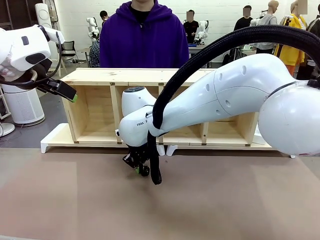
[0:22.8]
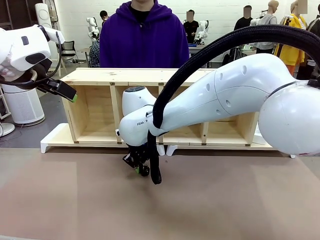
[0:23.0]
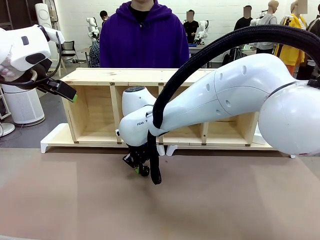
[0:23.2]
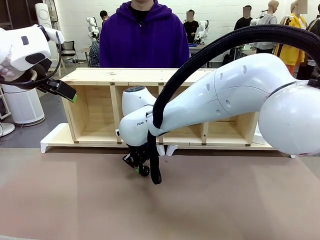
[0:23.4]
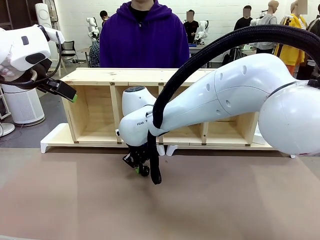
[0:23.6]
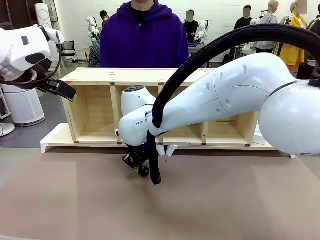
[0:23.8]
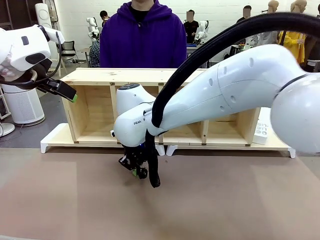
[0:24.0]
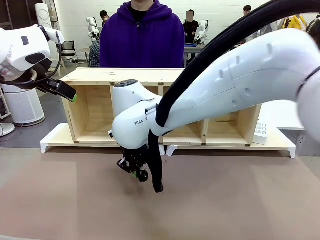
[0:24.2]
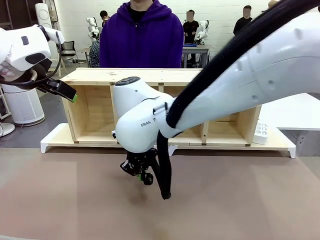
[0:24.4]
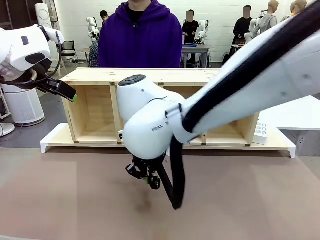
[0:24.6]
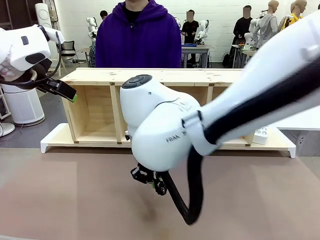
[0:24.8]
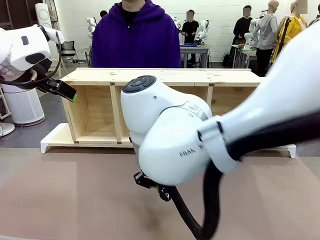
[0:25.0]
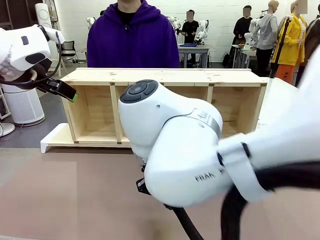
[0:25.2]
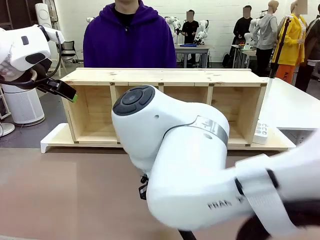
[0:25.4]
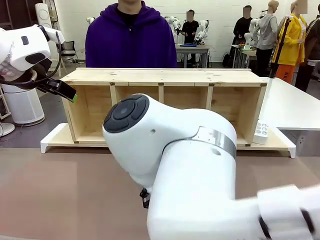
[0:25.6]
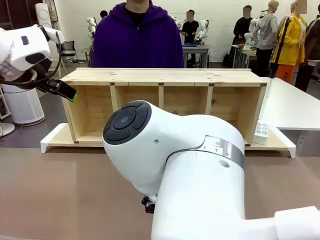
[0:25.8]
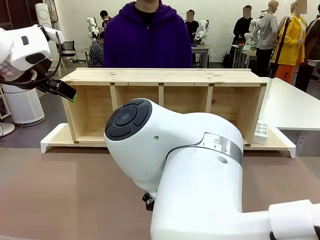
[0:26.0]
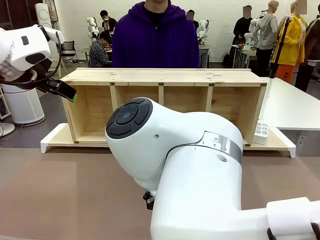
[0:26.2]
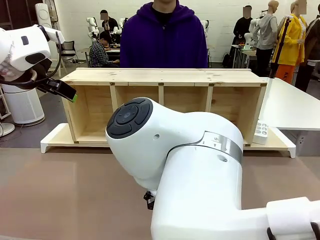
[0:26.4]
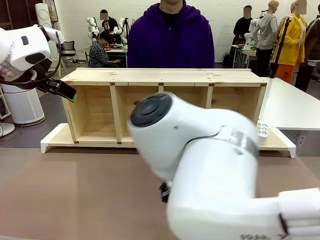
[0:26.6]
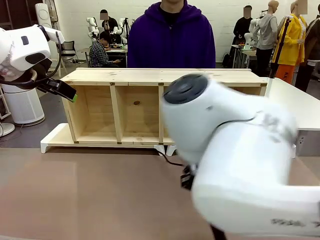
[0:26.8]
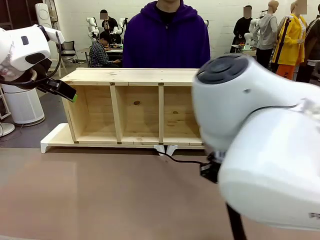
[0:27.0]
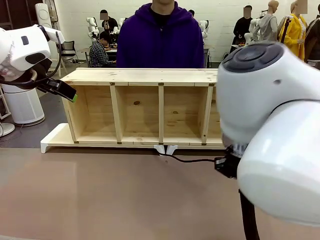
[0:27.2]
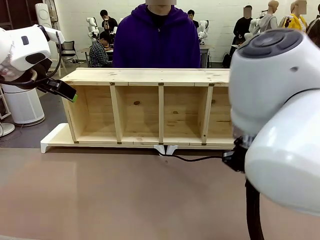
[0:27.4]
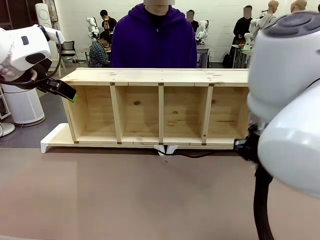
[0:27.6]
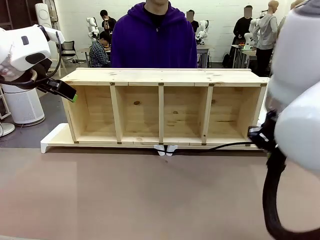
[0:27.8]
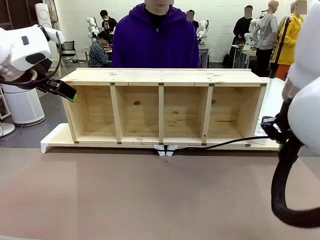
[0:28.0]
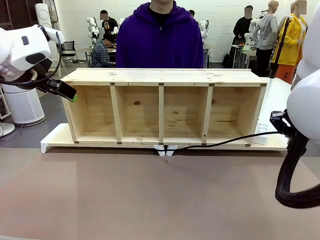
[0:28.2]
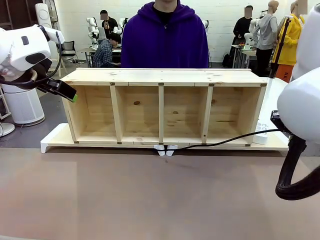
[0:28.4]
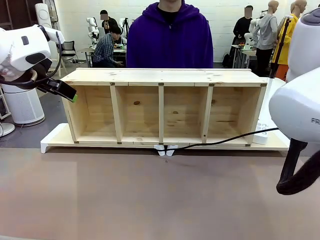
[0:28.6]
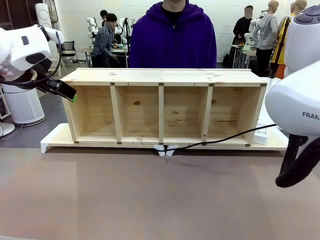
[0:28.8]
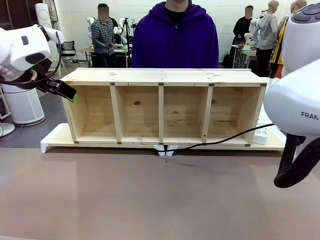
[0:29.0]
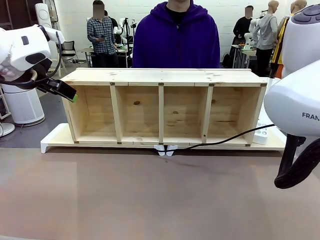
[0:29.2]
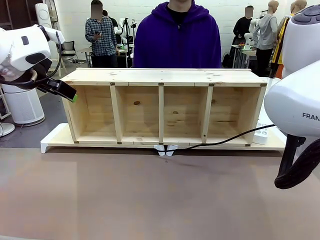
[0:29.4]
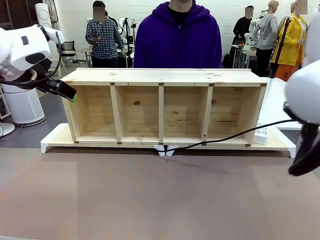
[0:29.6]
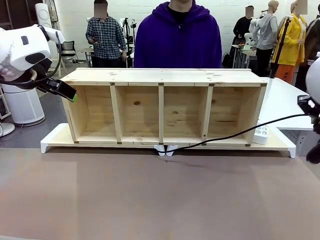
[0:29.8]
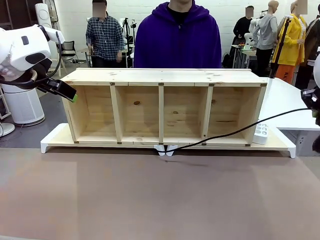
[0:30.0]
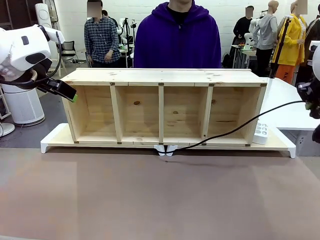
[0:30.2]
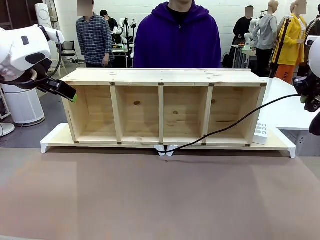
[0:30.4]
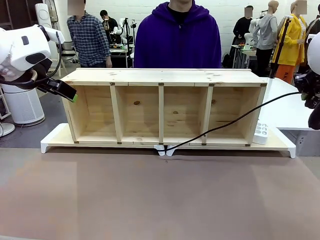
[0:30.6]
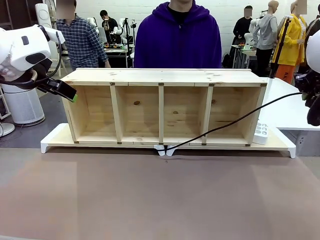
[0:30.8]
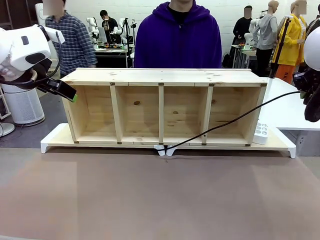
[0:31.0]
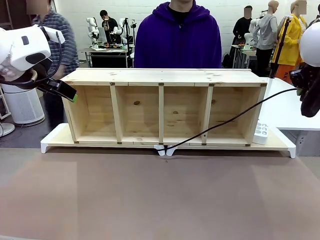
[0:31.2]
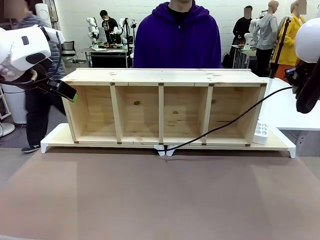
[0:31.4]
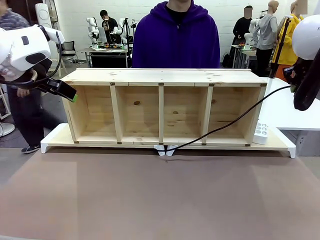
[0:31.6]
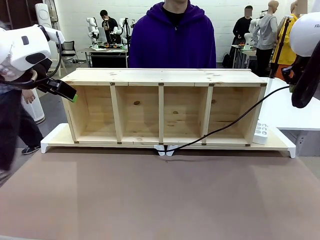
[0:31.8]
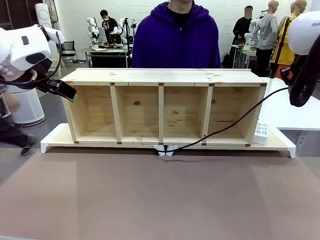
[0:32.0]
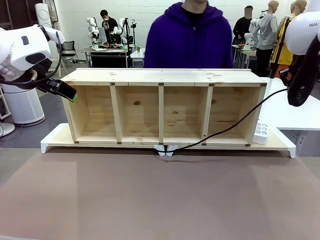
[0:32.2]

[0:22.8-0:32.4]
Task: Perform cable management.
Robot: Pull the grasped Power Cable to the location of the Power Strip.

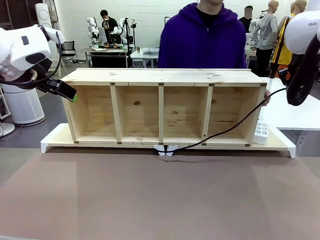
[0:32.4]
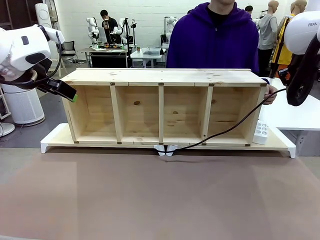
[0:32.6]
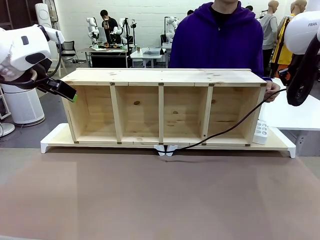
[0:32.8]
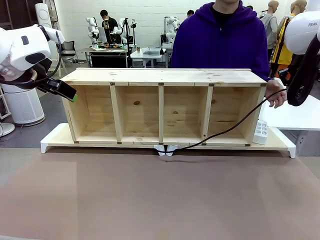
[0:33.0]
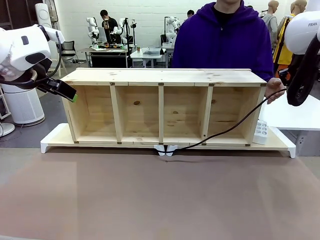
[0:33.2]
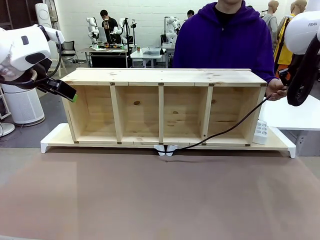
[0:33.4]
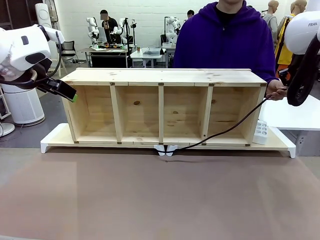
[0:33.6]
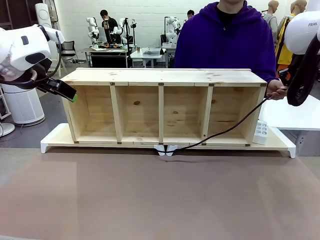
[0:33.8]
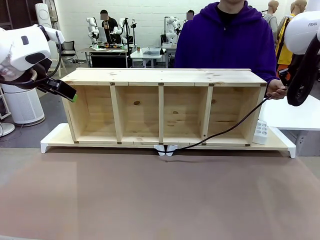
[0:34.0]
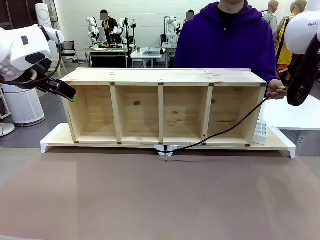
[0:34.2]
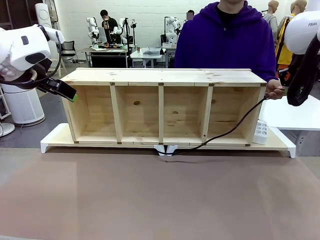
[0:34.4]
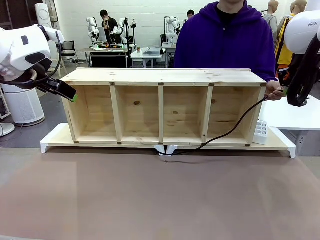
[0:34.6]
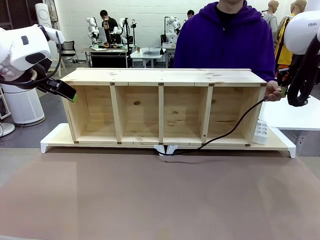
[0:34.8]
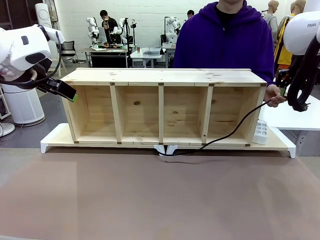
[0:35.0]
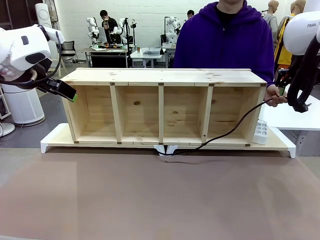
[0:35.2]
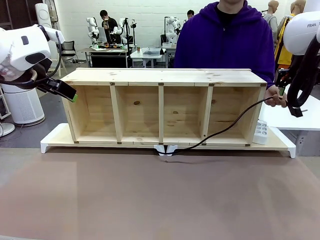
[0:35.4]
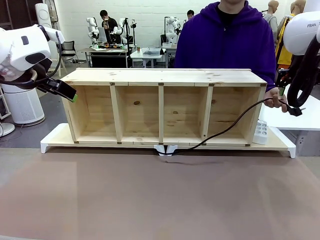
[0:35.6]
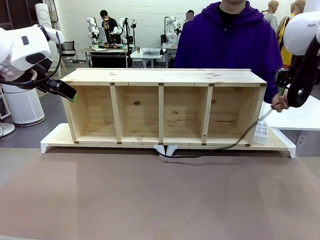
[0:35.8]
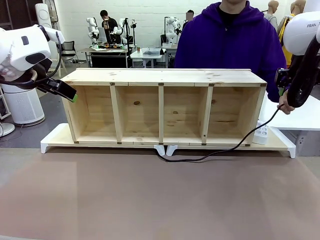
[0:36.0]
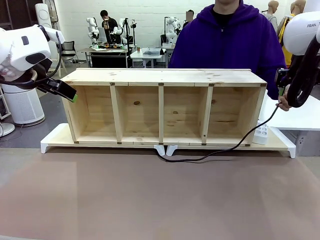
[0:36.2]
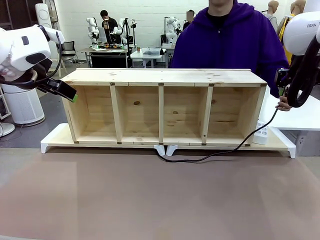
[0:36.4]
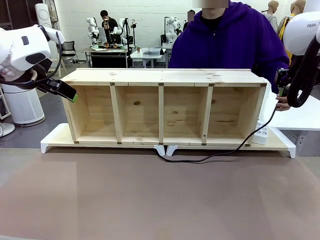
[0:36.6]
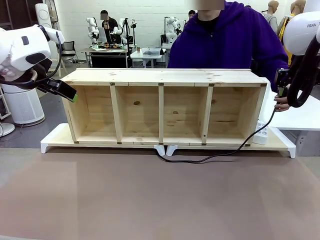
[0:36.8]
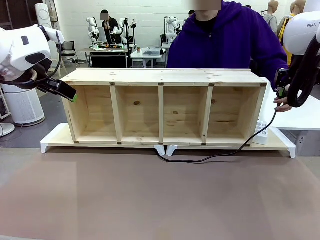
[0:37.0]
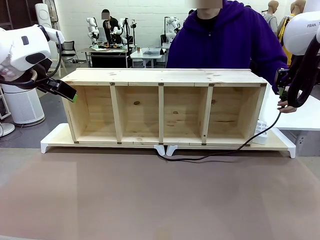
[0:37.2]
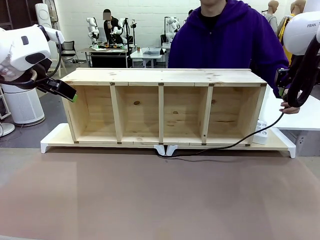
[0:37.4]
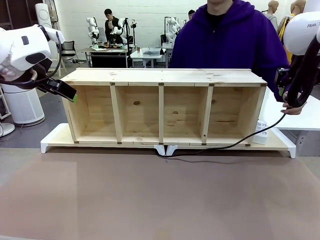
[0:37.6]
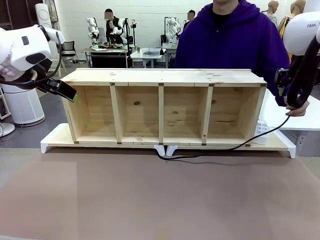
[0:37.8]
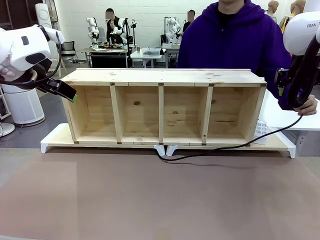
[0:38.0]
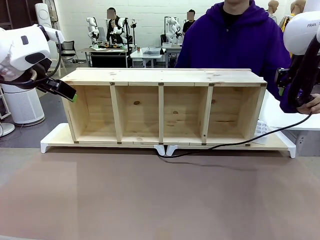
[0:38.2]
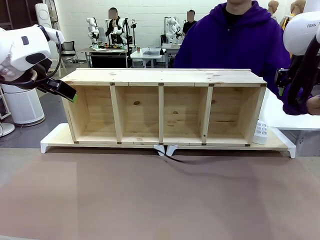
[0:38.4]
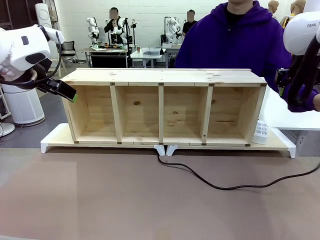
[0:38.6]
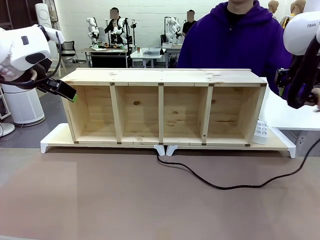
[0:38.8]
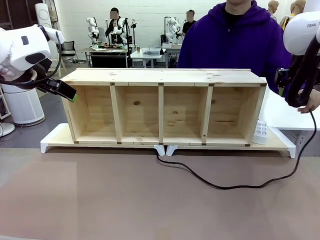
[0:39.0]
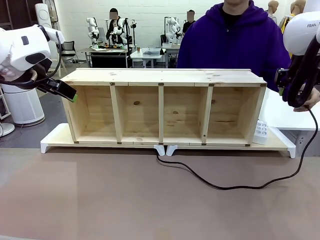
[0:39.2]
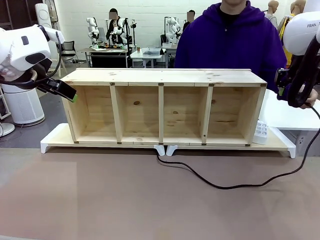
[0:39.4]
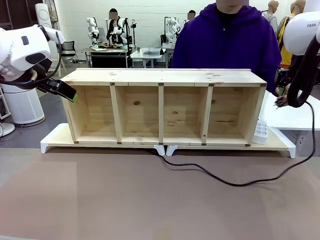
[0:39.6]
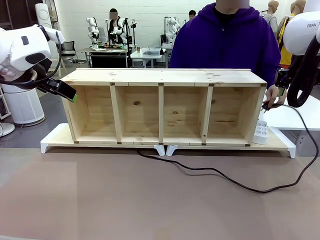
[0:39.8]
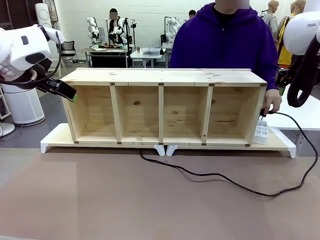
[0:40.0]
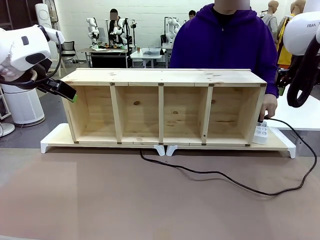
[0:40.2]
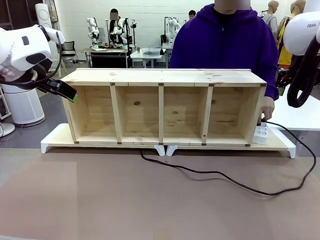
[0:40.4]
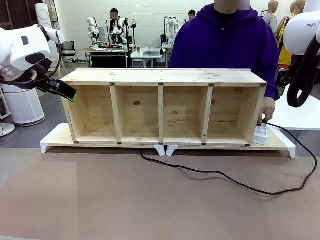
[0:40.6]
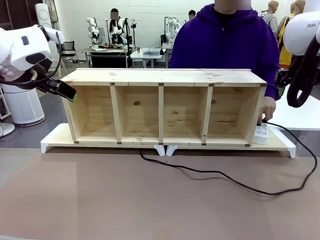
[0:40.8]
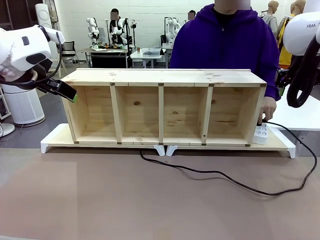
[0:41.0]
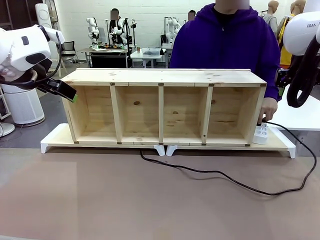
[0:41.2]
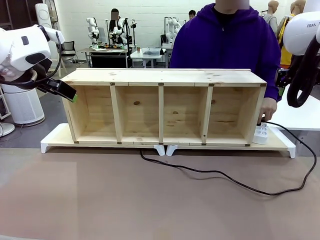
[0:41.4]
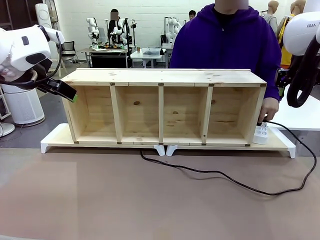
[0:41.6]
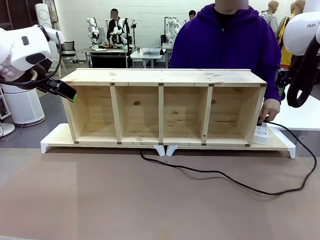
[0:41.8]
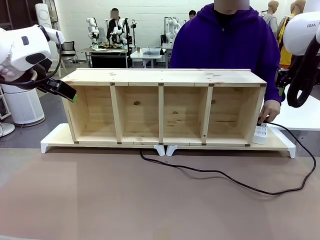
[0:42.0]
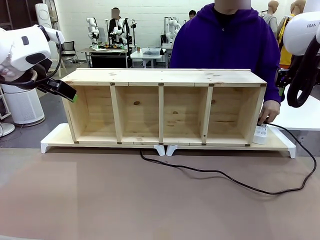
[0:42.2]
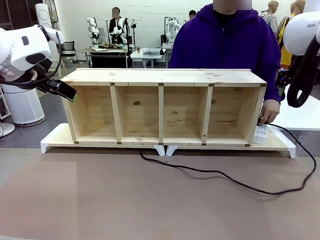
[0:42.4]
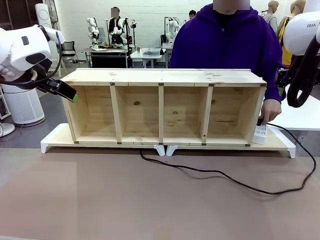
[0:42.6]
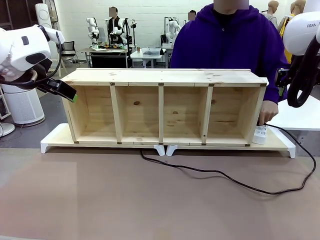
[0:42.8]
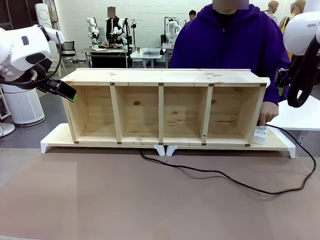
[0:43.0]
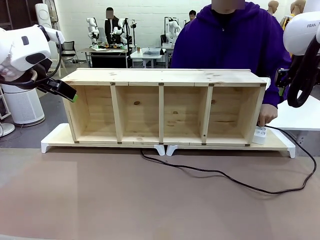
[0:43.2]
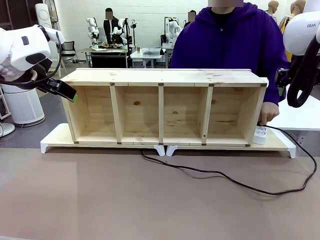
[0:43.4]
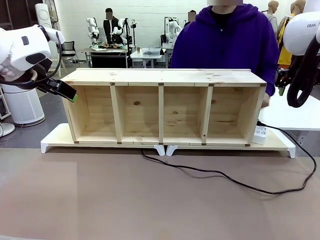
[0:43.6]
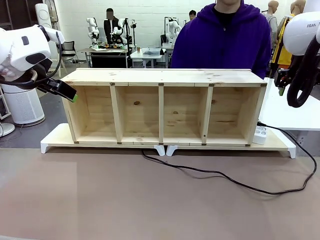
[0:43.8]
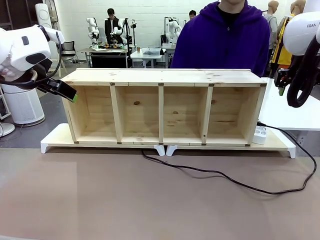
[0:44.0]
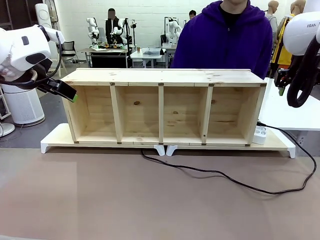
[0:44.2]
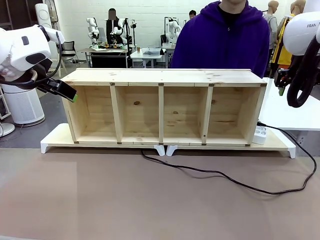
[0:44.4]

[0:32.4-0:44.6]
Robot: Release the Power Cable when the human grasps it.
Person: Plug the Power Cable into the Power Strip.
